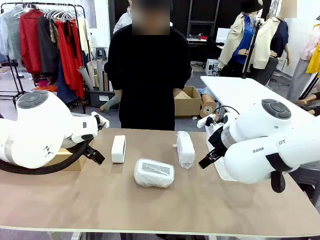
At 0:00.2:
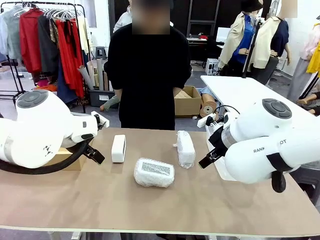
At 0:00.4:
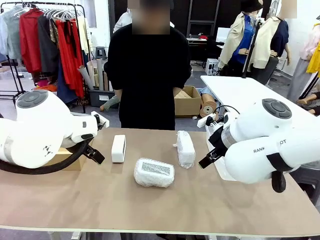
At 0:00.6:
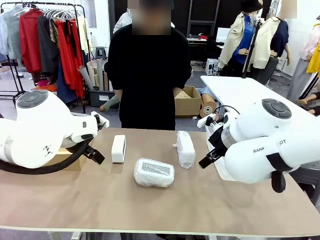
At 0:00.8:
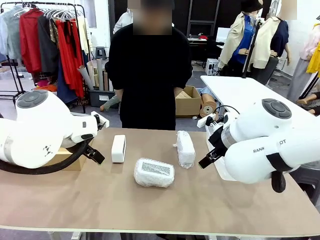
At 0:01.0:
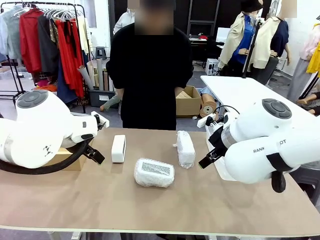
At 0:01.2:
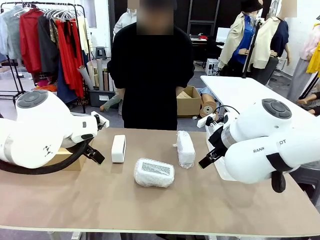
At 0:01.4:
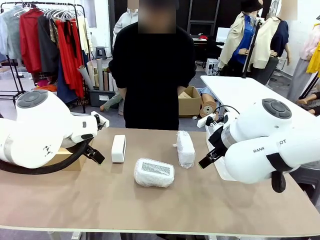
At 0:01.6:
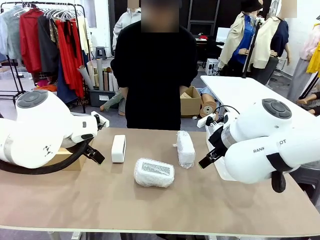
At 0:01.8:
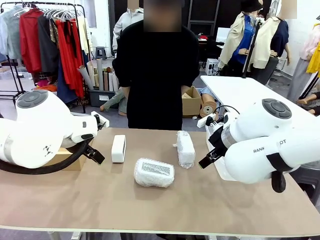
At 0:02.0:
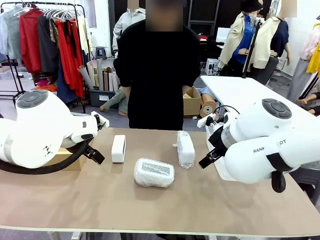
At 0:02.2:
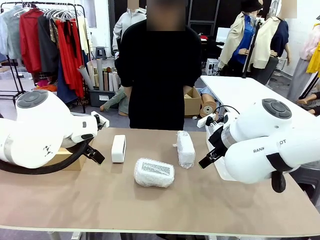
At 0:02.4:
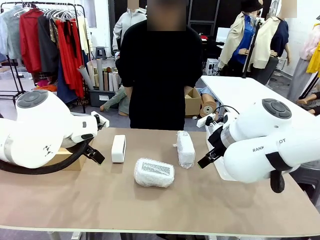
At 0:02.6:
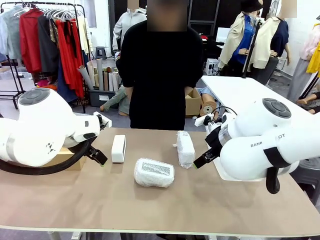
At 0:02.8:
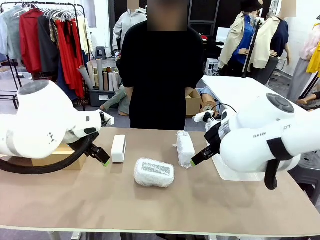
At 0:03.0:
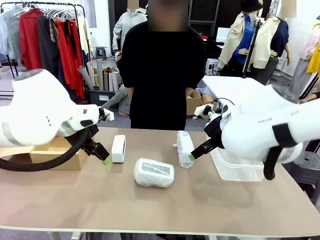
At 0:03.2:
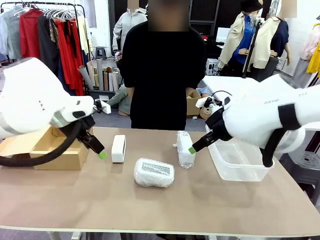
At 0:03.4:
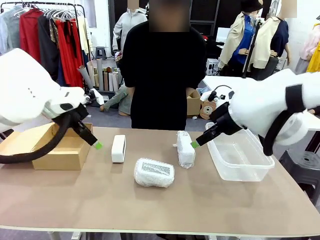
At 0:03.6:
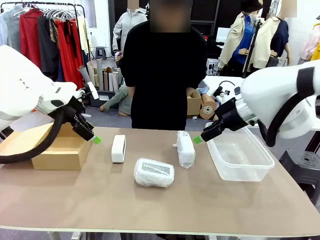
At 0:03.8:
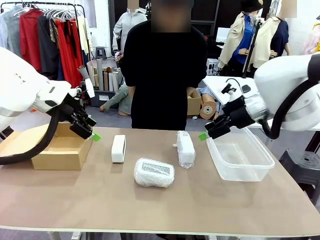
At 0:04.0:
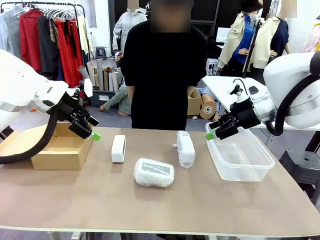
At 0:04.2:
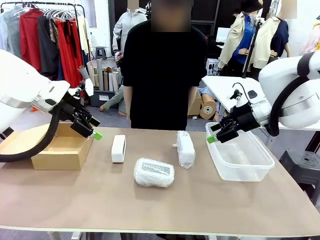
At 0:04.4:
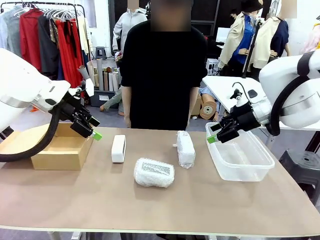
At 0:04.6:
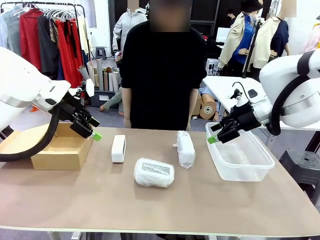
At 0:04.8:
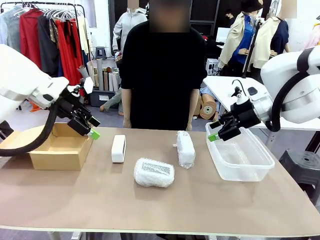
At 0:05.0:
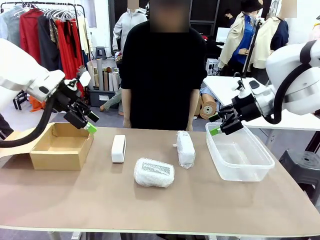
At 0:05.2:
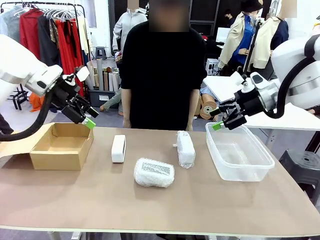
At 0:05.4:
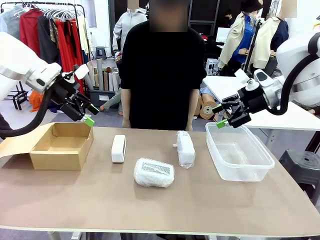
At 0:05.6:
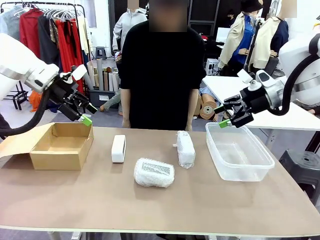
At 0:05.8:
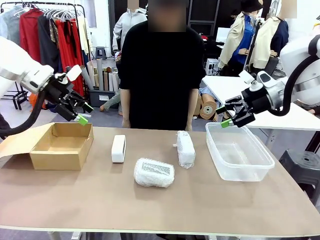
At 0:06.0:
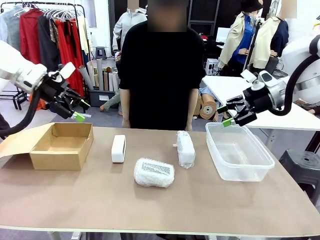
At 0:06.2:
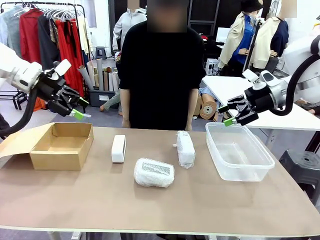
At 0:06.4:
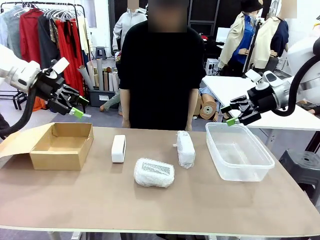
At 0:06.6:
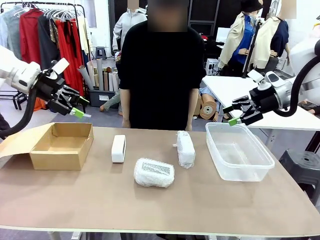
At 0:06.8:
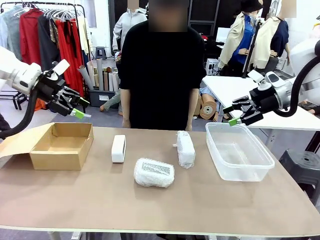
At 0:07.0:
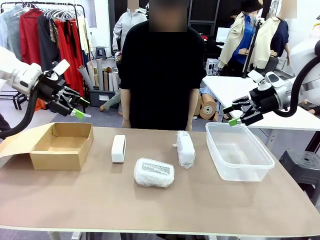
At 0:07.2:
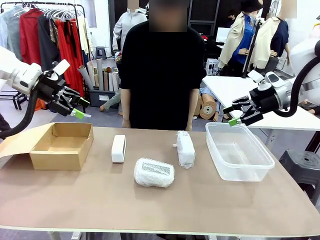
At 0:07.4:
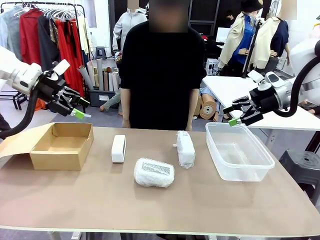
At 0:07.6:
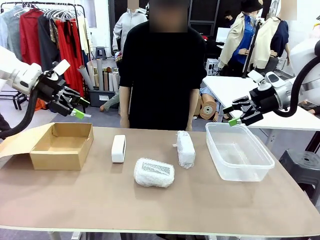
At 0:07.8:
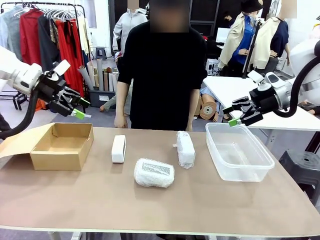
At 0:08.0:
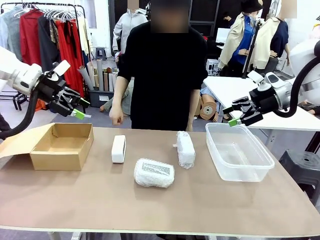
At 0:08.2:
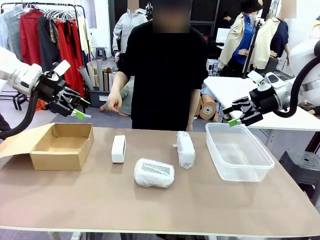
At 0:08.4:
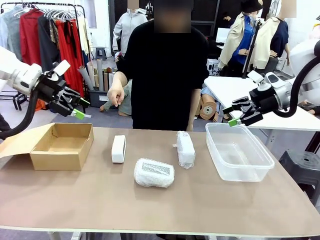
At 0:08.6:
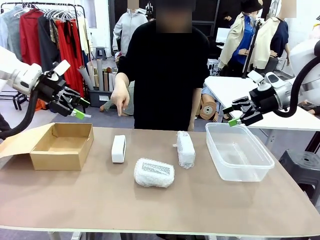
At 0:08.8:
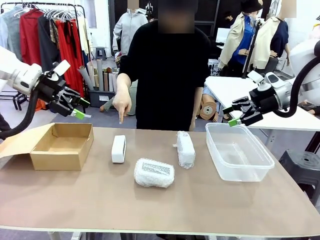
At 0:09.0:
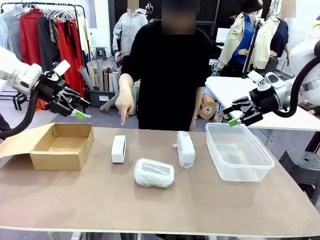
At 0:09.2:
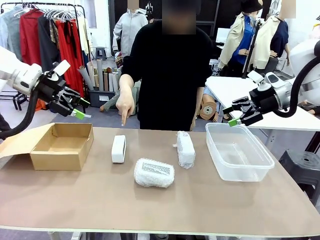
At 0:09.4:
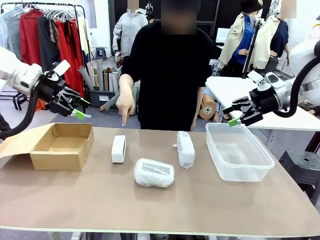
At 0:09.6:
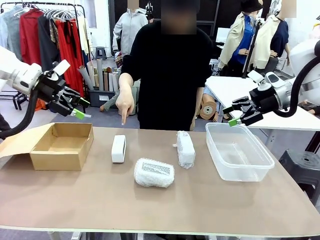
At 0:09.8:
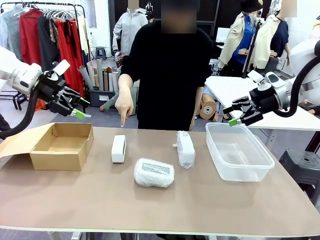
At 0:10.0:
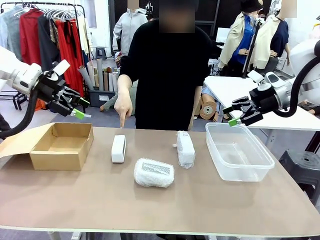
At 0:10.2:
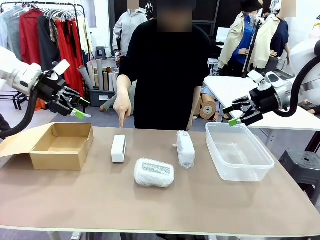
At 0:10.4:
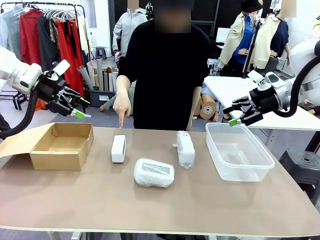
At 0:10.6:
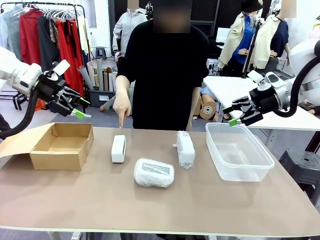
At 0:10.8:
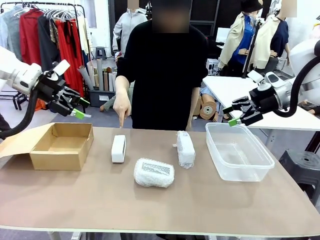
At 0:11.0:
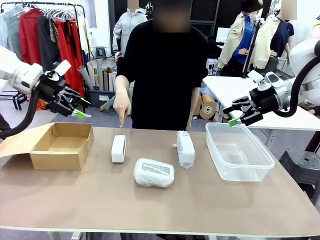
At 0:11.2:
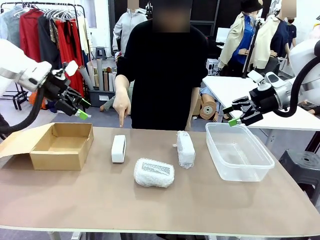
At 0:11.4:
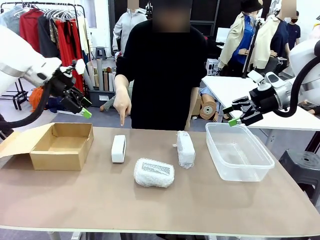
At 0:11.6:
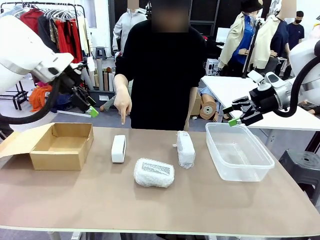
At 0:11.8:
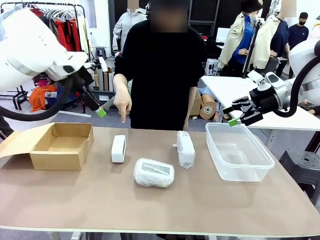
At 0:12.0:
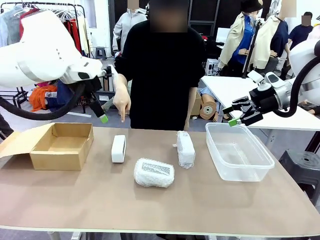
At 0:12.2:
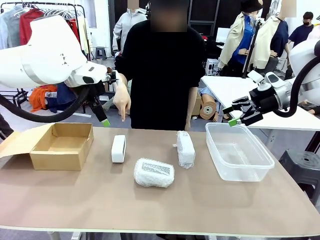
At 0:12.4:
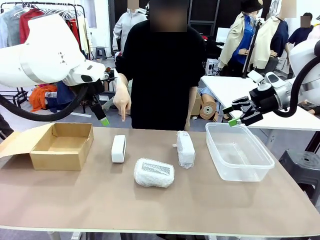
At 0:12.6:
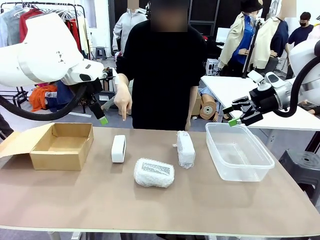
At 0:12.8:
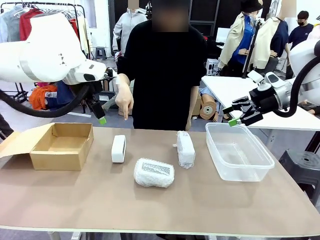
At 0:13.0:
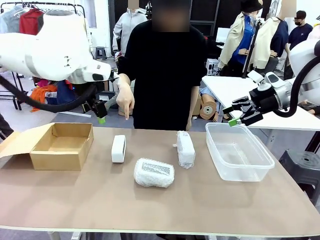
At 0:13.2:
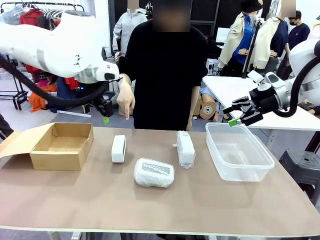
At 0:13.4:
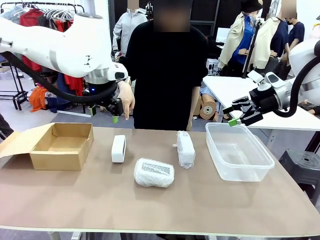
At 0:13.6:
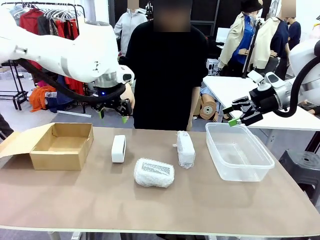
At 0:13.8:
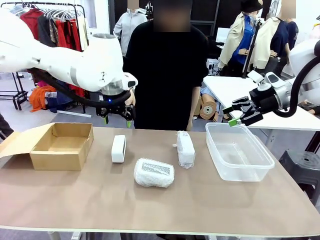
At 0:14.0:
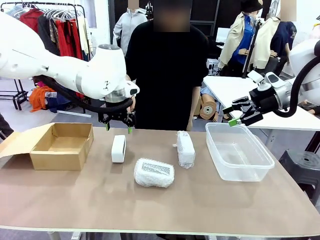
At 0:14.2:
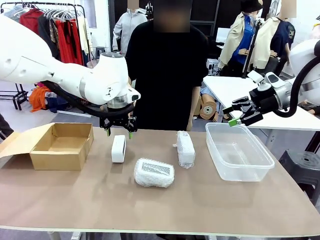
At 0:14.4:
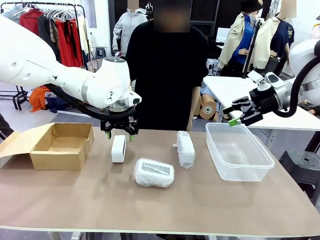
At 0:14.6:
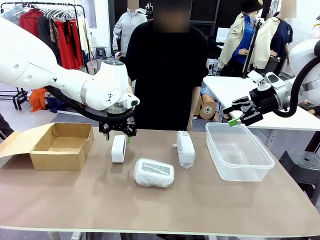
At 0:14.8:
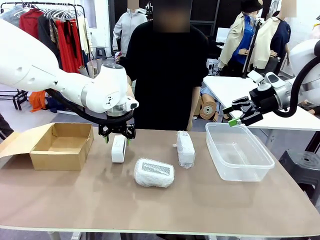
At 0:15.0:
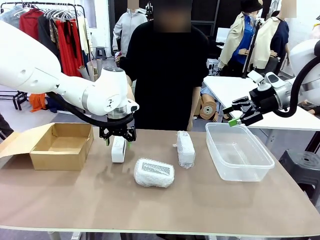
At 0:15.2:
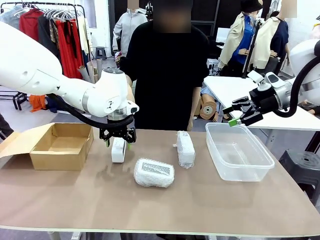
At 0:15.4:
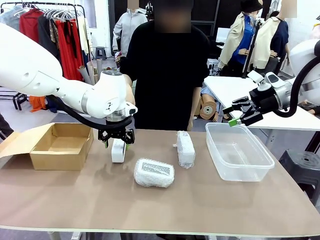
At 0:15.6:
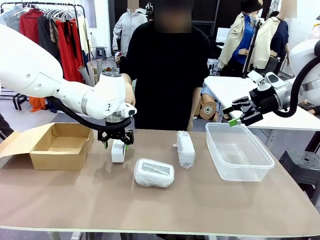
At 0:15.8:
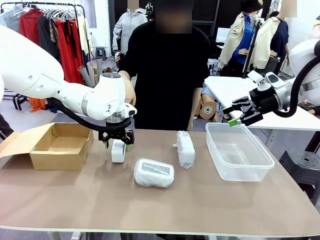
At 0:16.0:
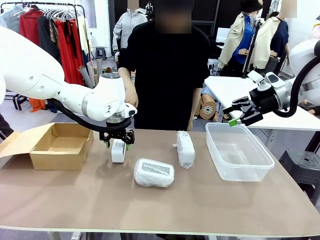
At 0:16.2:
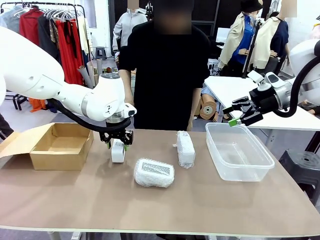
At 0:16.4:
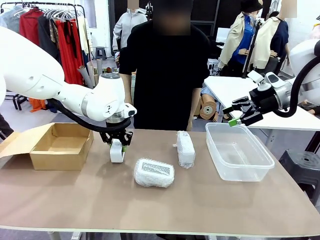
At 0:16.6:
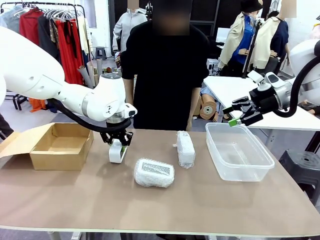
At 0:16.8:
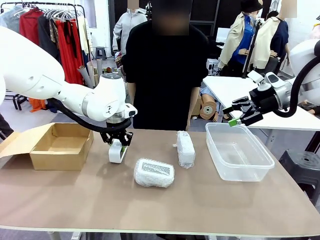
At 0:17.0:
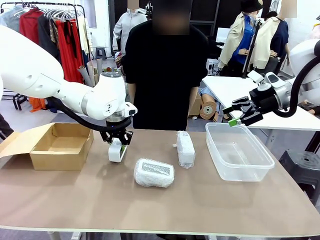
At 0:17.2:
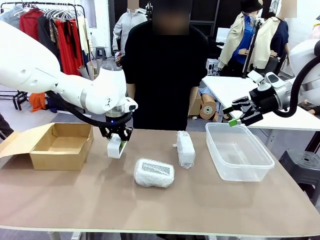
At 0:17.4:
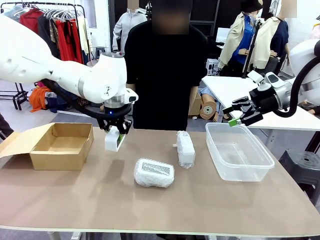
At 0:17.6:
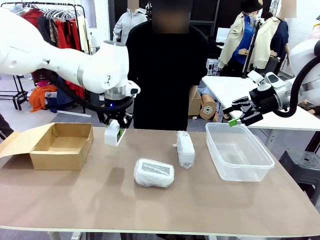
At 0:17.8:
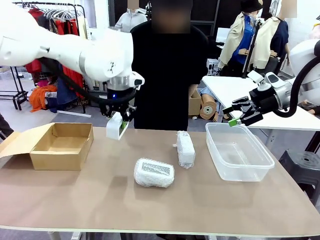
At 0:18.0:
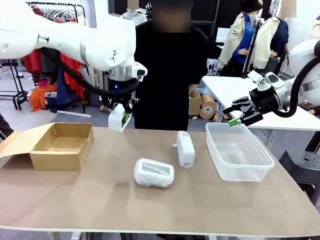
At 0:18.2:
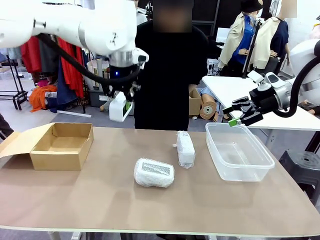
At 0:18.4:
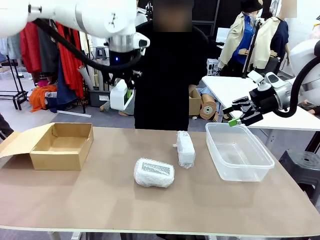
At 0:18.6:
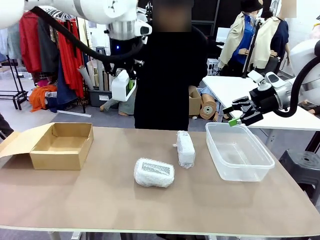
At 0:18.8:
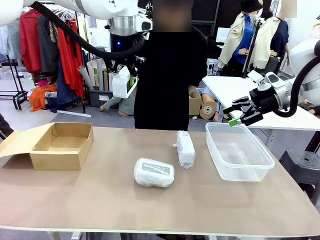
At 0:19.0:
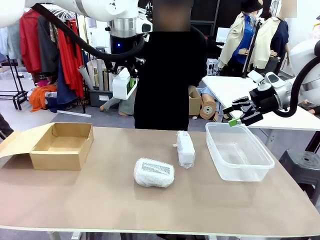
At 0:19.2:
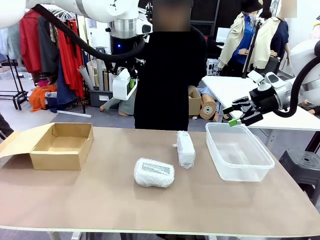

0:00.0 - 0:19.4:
Task: Separate and place wrapped and unwrapped clocks.
Robot: Pick up the Digital clock indicated by the person.
